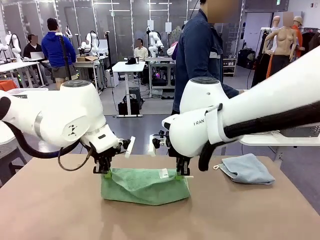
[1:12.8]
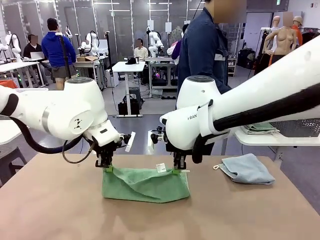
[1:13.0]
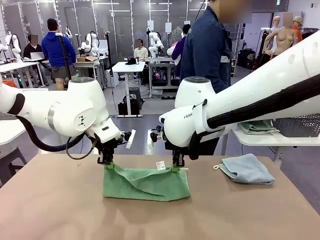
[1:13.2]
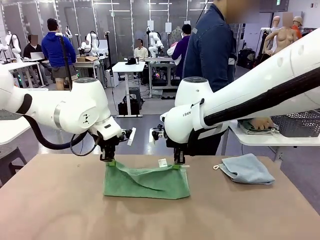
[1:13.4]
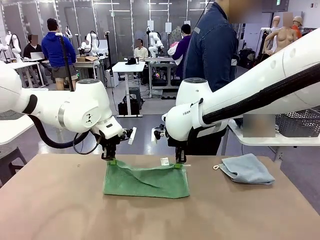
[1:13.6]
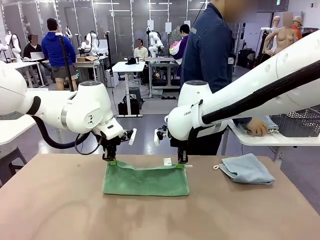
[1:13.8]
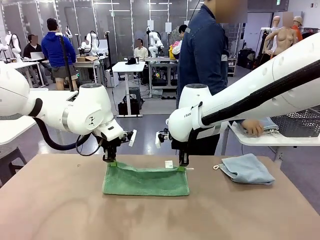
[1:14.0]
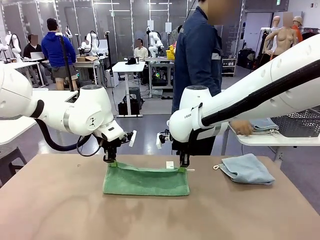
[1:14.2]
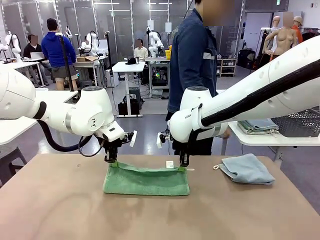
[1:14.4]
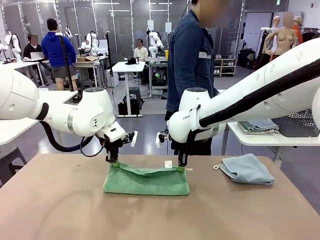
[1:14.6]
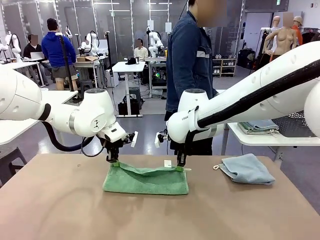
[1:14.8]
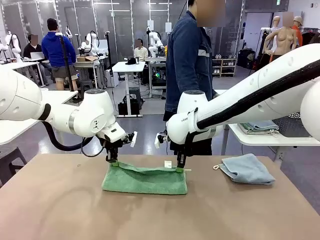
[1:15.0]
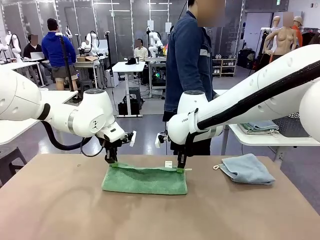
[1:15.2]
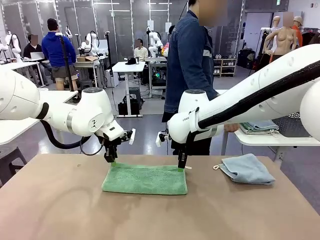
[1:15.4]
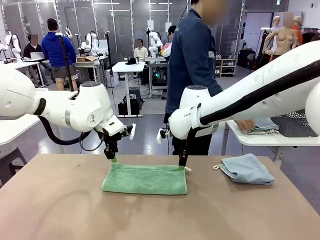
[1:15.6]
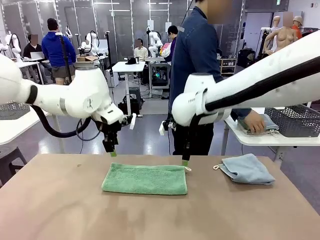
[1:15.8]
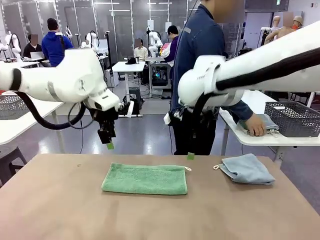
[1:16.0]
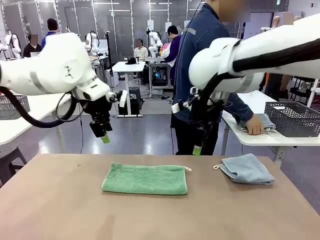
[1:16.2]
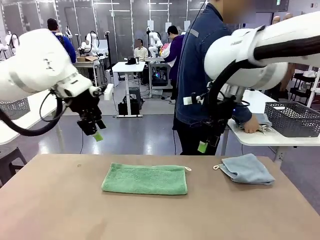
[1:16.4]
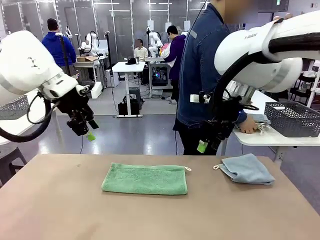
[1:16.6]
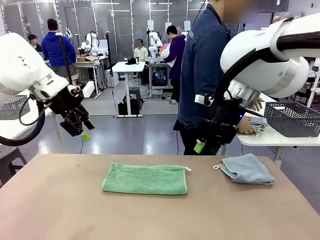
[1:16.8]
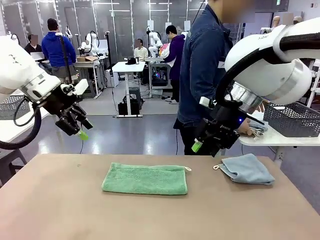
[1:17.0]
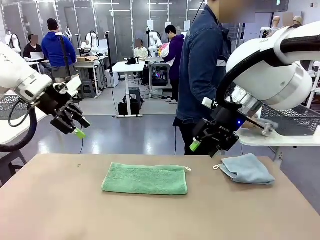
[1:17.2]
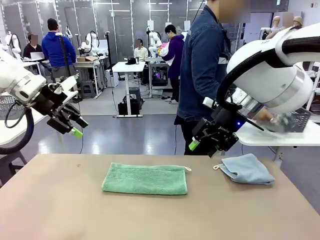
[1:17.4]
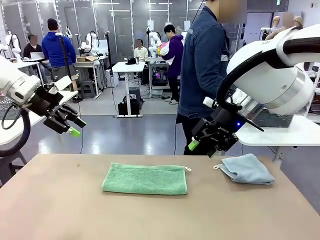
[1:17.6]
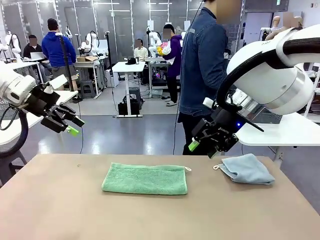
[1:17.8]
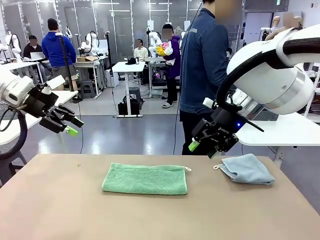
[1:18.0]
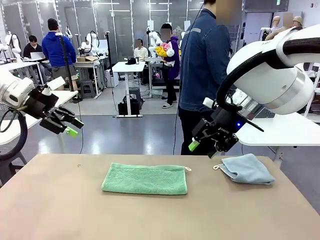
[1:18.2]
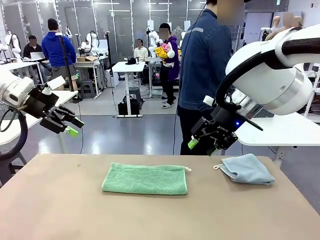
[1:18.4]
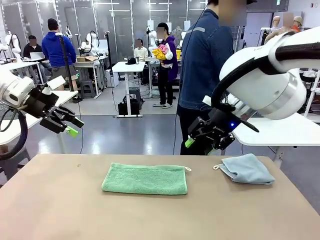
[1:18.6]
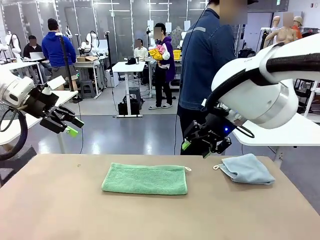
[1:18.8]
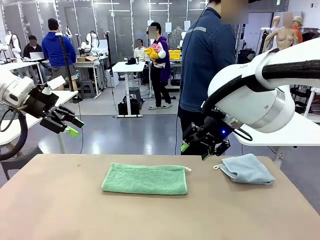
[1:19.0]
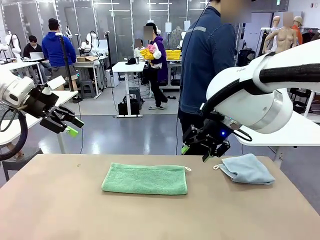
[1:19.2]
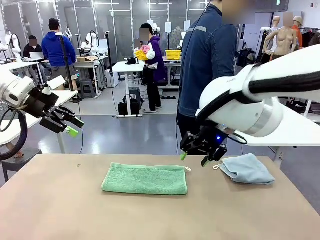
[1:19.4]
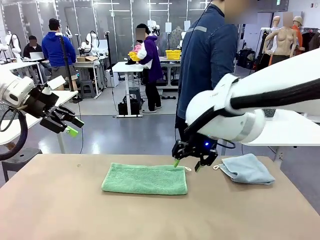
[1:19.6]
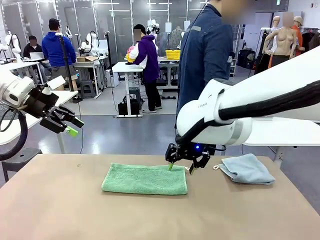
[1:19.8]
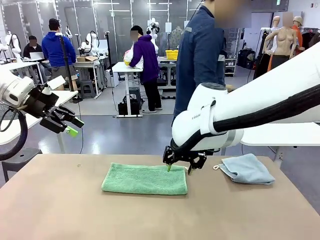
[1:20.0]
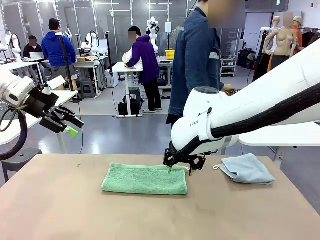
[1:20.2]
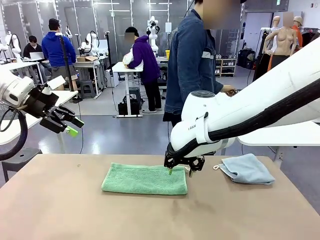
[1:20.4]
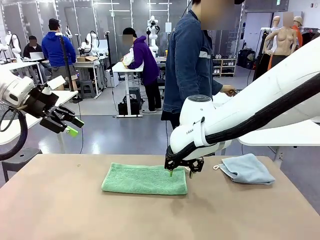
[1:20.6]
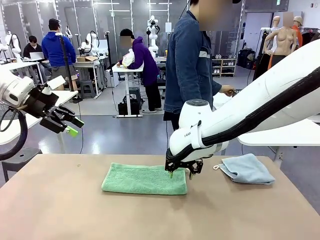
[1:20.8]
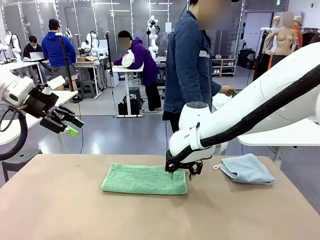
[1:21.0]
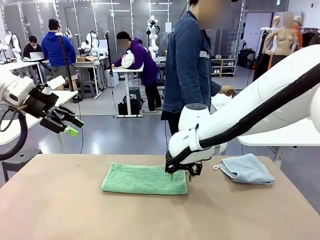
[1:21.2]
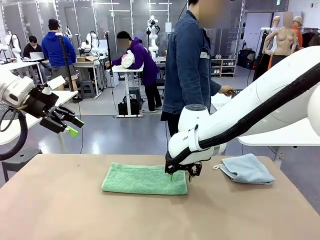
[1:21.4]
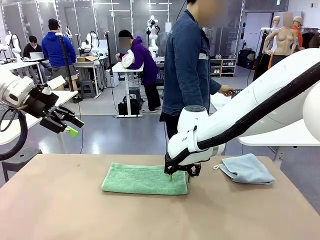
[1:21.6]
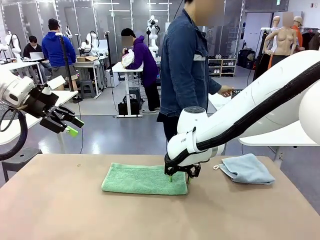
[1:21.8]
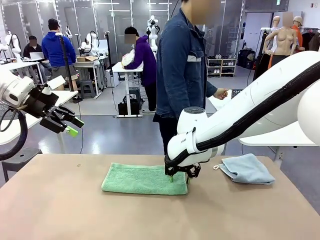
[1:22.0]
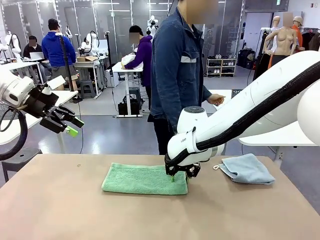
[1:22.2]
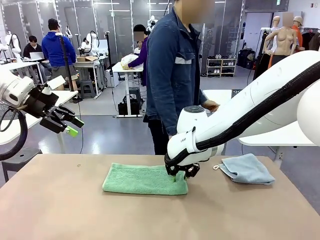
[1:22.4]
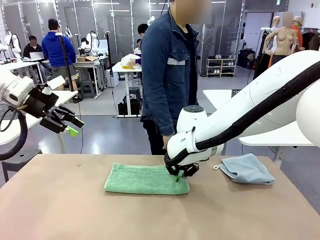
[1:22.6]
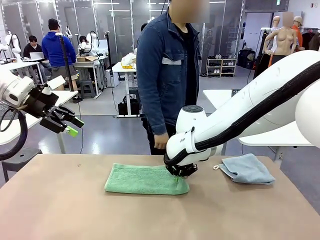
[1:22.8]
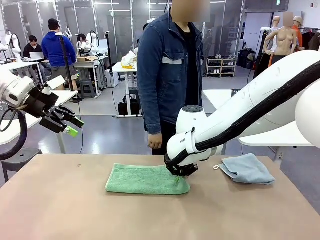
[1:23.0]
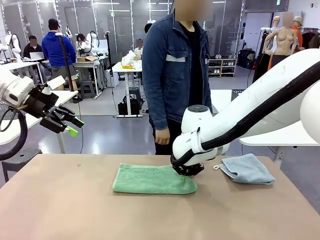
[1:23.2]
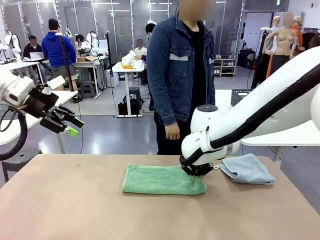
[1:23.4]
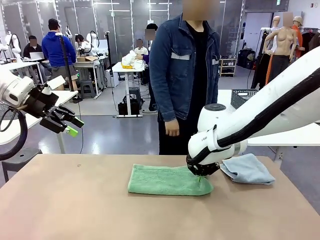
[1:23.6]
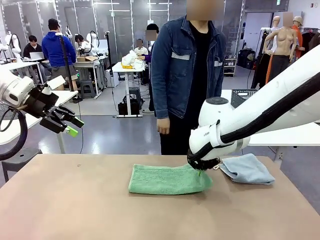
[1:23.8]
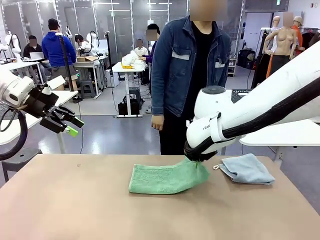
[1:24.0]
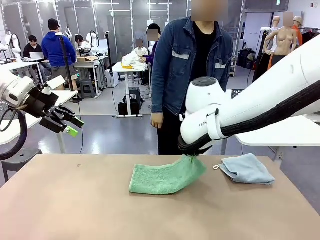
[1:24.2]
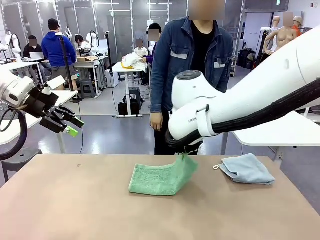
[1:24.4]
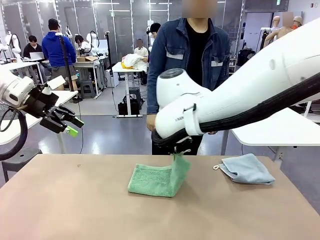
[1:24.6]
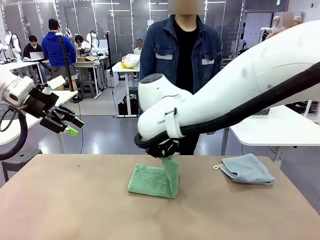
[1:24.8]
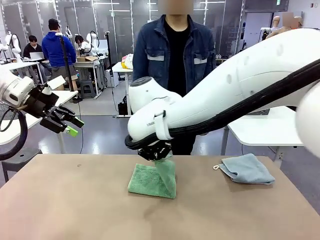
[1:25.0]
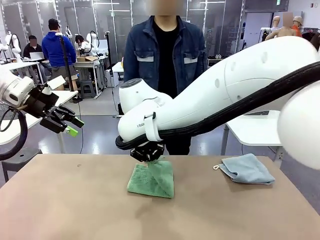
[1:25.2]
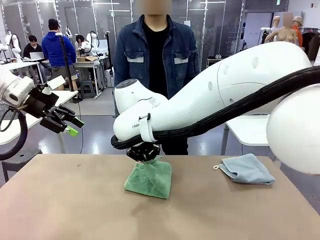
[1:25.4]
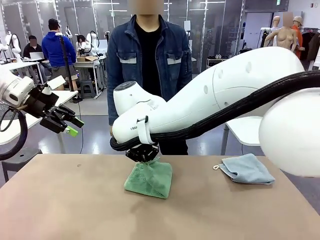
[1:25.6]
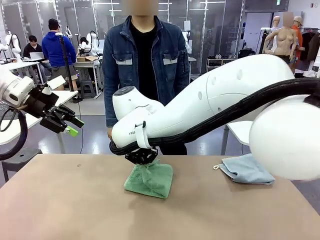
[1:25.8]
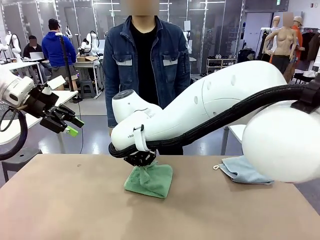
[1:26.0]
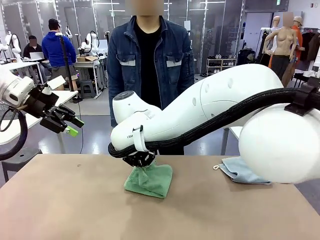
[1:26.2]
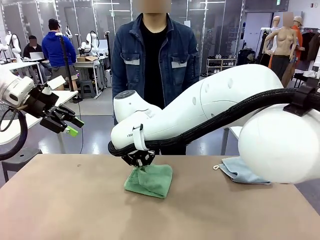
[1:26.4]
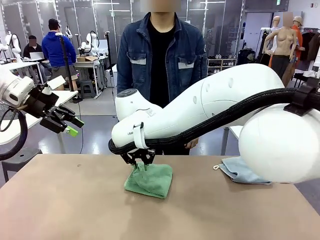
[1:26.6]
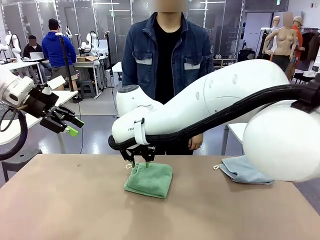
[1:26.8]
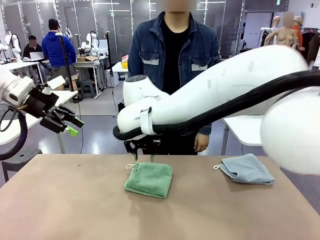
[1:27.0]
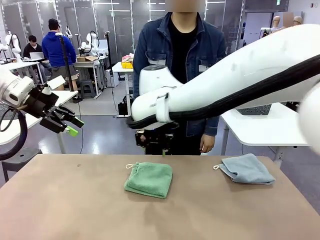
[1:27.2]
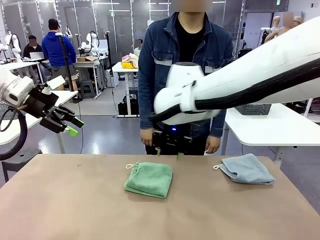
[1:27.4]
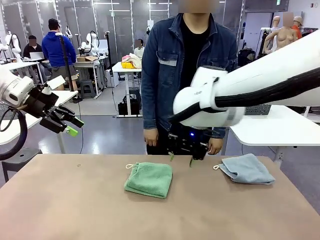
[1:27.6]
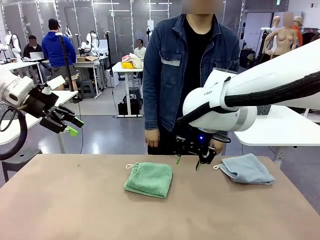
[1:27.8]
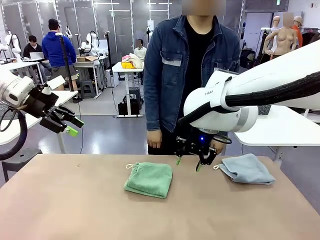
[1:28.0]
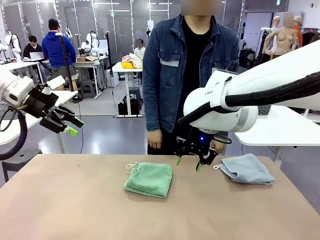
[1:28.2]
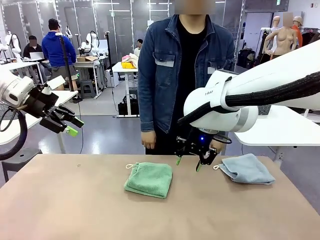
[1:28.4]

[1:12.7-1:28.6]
Task: Fold the towels and place them in the basket.
Robot: When a person lays out a Towel with hook on the table, fold it in half twice.
Person: Pick up the stack of towels from the right side of the human table, place it into the basket, and put the basket at the center of the table.
